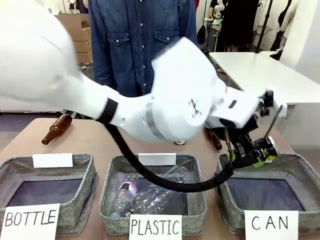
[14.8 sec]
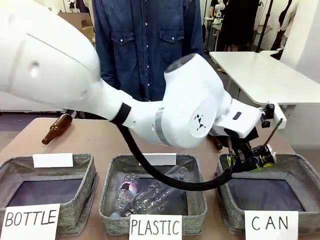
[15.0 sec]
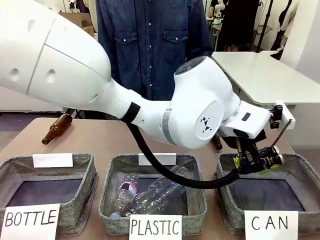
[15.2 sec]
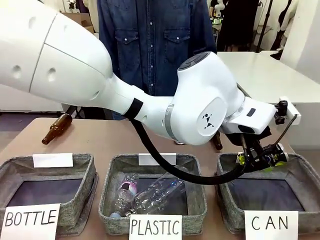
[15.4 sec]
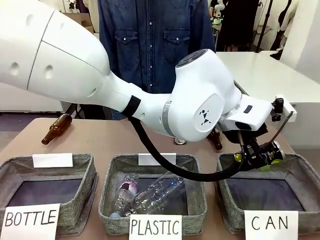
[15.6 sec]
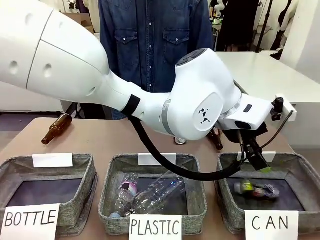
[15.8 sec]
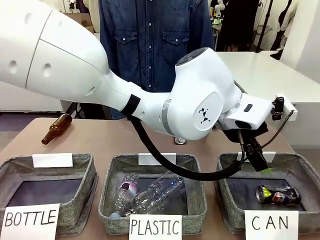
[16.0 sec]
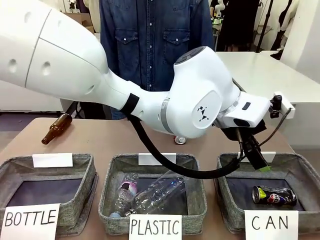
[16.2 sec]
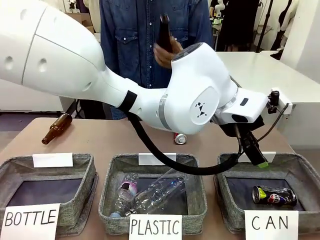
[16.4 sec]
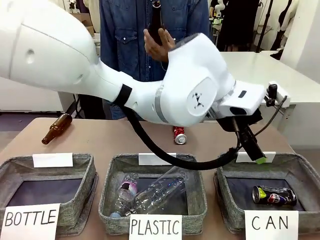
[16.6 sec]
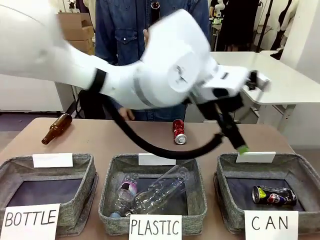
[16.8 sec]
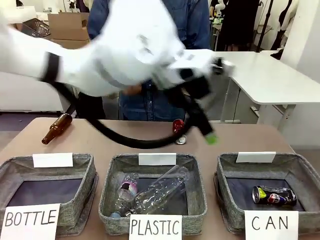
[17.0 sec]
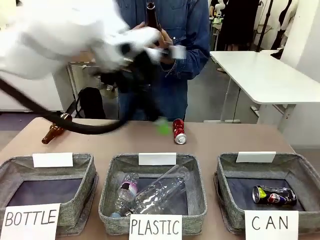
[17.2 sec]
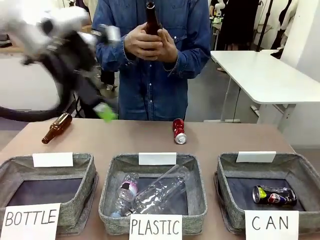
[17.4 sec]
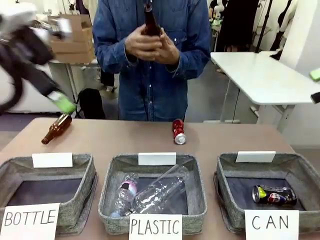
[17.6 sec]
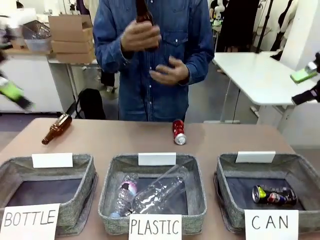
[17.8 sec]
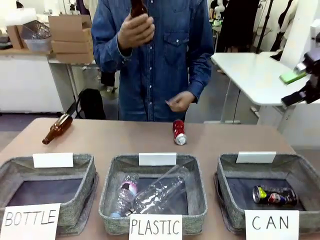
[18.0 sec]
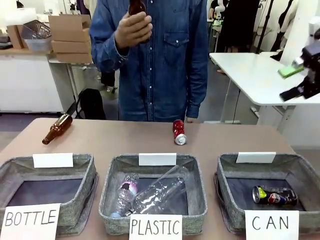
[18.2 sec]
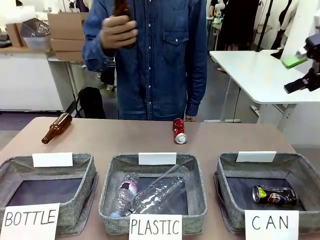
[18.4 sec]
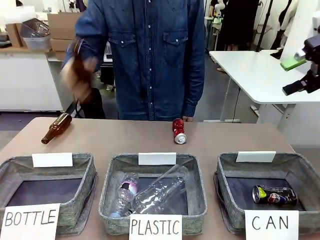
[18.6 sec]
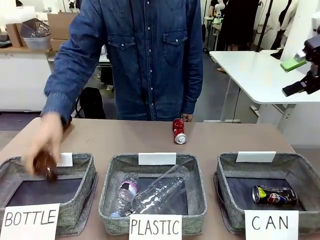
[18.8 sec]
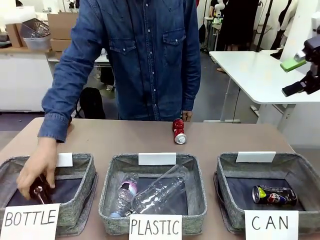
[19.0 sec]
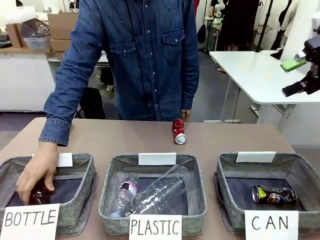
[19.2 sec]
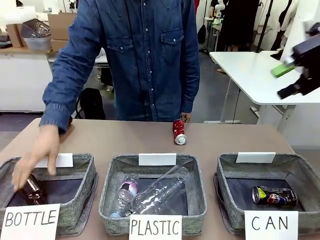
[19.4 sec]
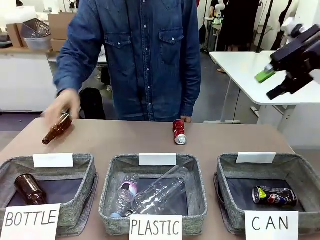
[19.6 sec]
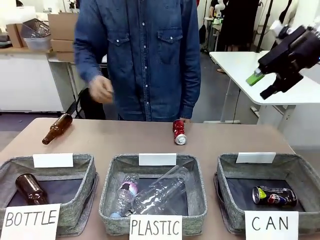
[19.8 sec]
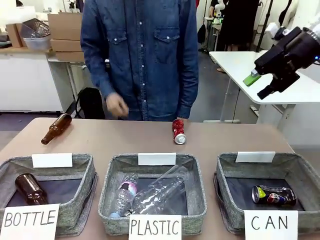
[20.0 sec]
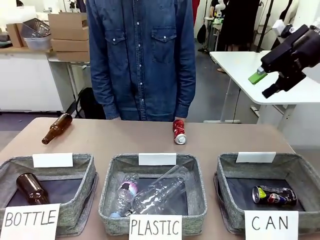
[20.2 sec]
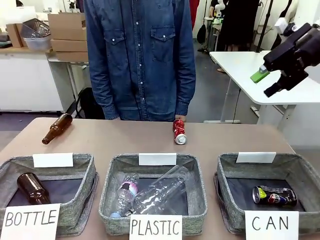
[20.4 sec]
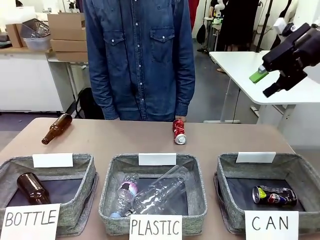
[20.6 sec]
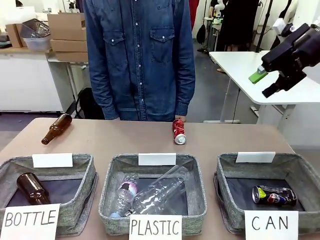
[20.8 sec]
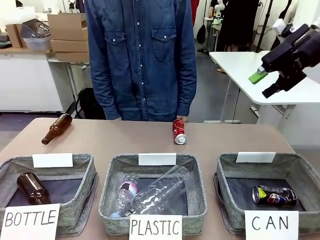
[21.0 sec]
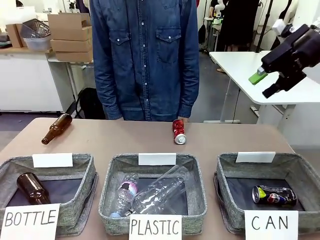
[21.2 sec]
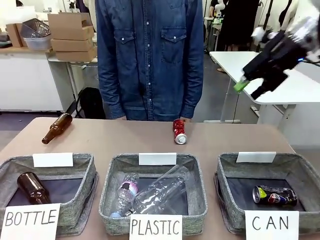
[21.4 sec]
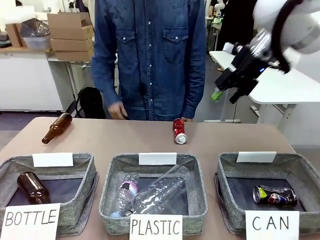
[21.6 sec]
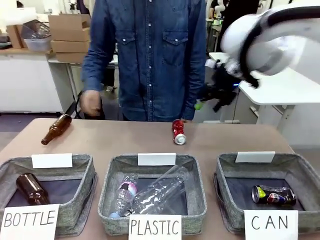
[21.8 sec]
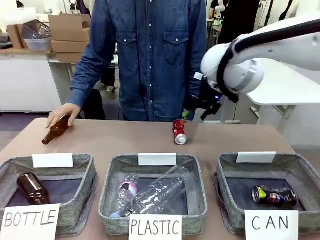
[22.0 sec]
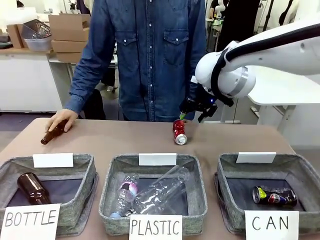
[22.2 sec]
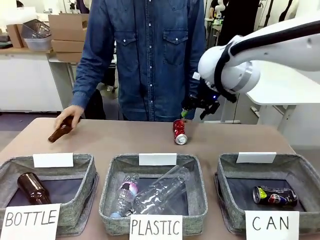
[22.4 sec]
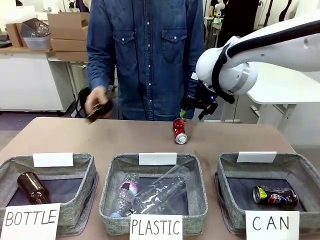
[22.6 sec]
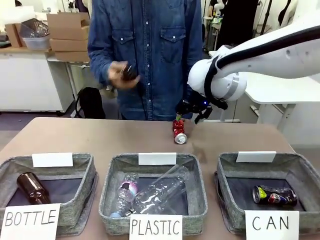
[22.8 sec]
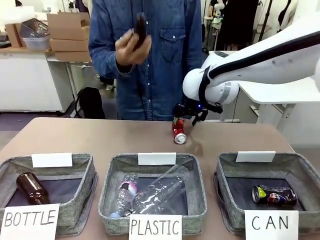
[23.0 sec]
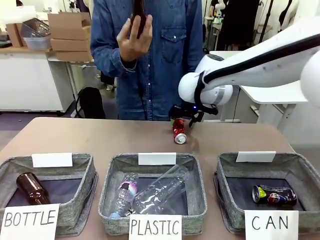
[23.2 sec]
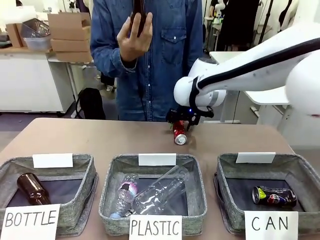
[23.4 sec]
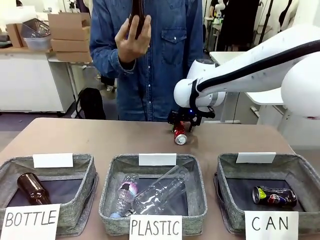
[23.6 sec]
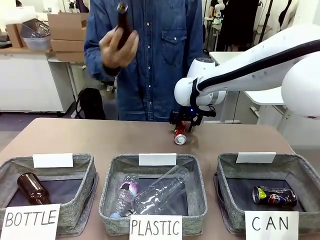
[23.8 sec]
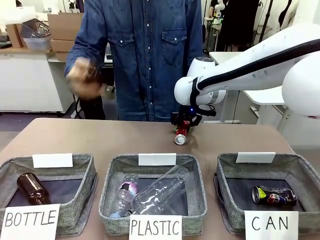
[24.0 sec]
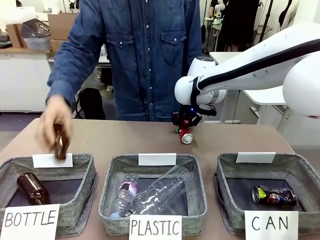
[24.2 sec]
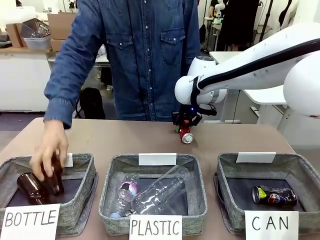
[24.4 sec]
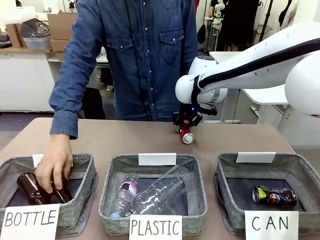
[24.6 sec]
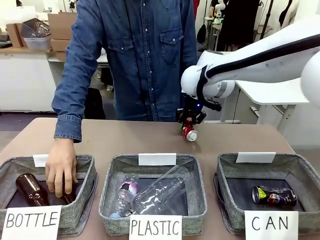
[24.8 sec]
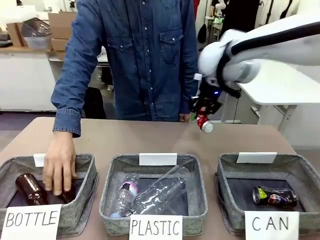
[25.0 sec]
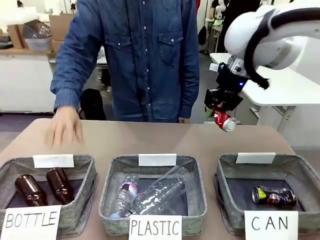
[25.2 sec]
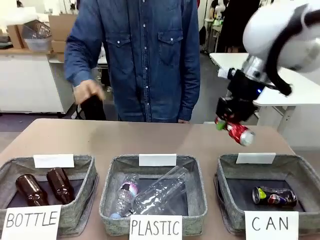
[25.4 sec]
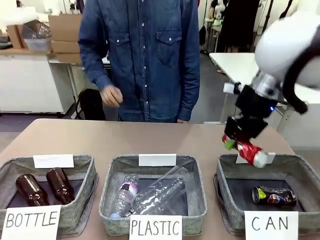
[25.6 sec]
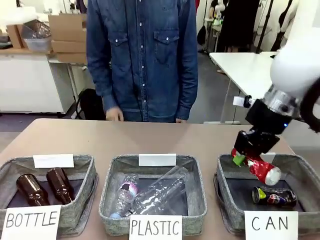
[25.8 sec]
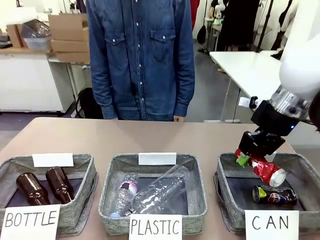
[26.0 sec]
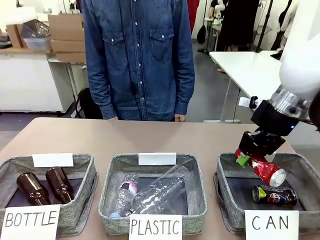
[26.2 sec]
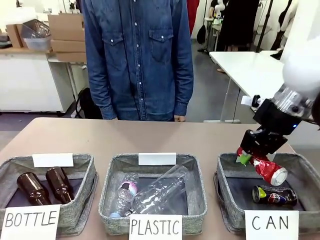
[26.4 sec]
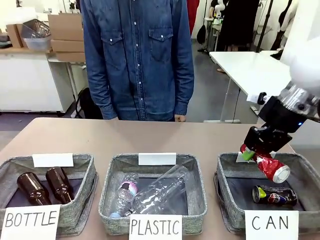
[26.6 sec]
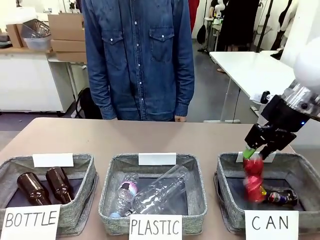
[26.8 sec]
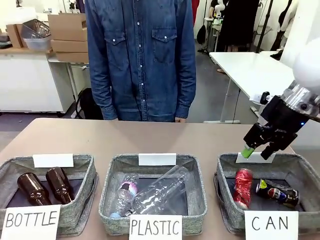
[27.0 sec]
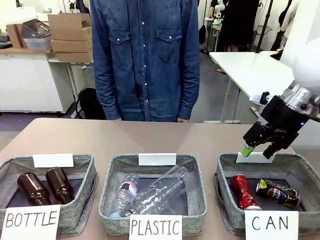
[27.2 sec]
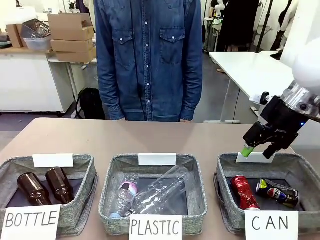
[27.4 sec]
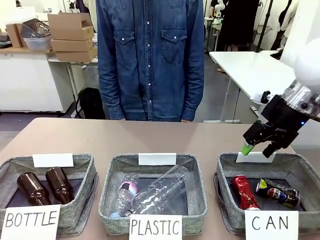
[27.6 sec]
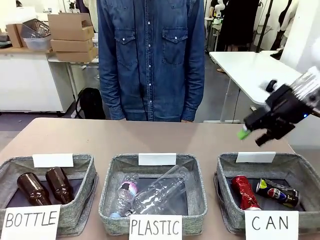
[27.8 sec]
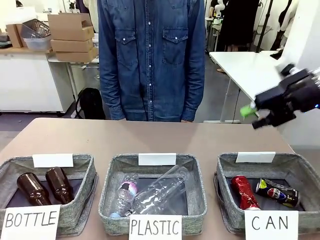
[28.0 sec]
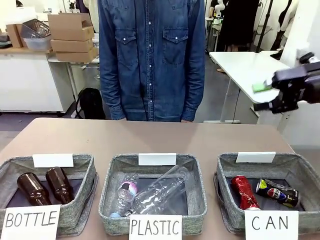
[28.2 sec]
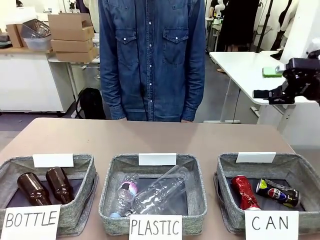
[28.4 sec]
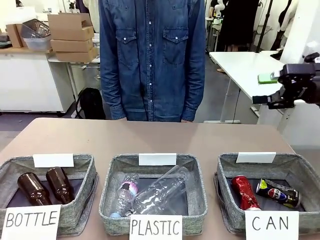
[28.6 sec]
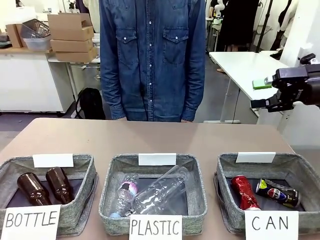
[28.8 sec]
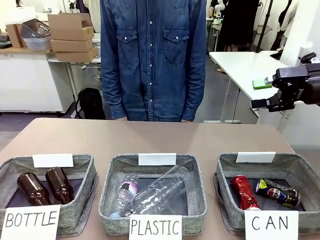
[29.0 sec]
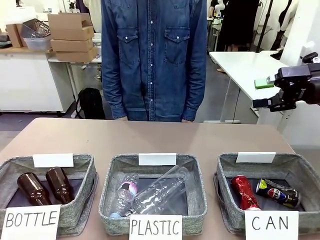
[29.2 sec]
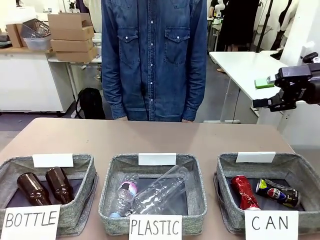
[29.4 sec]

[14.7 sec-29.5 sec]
Task: Sort the can waste into the basket.
Robot: Pick up the can waste from the table and place it in the right Fabric basket.
Person: The human picks up one piece of trash that is not a can and places the trash into the appropriate organizing basket.
